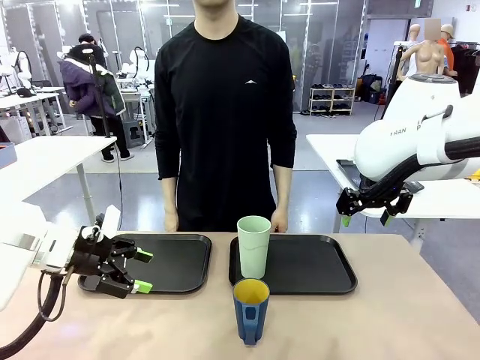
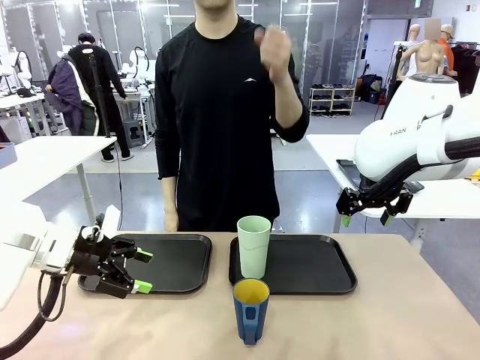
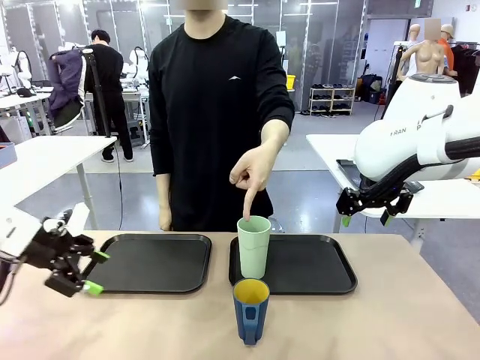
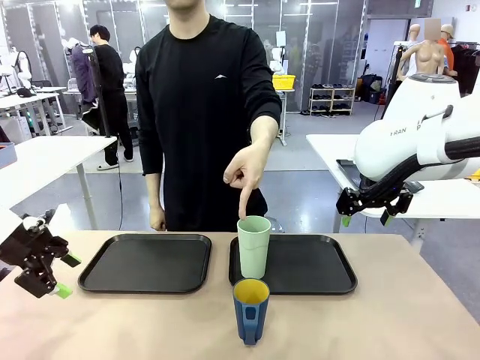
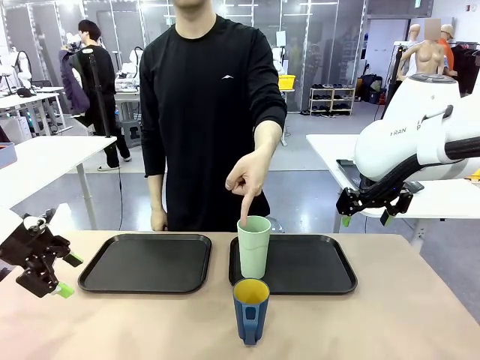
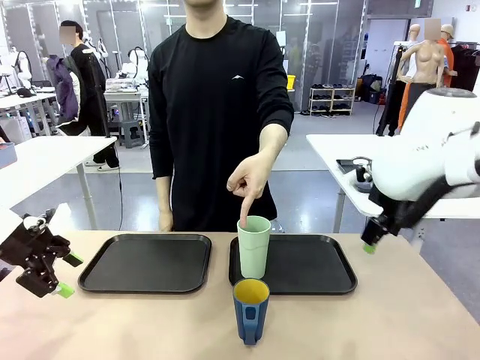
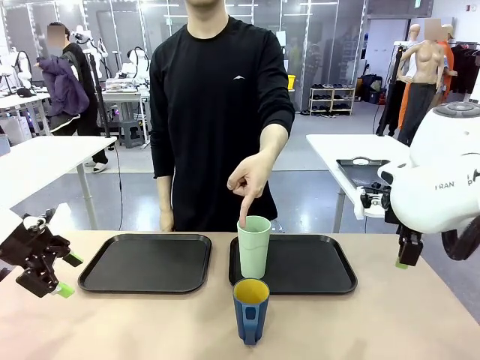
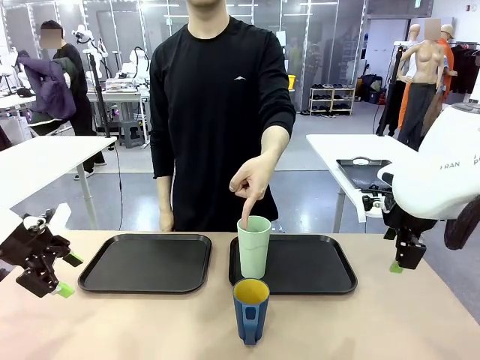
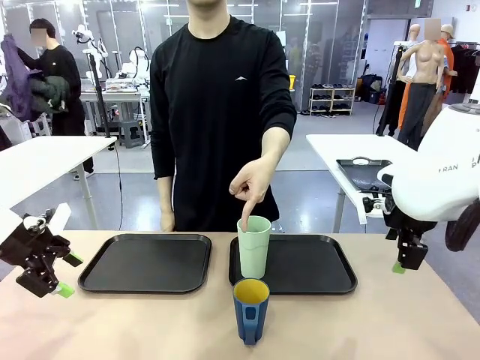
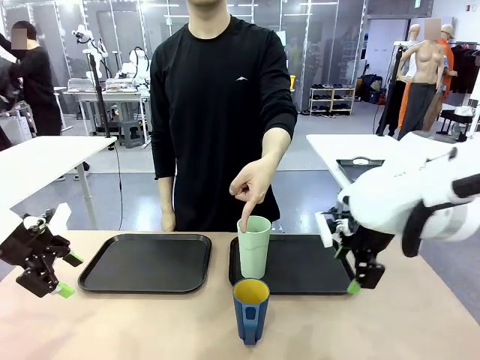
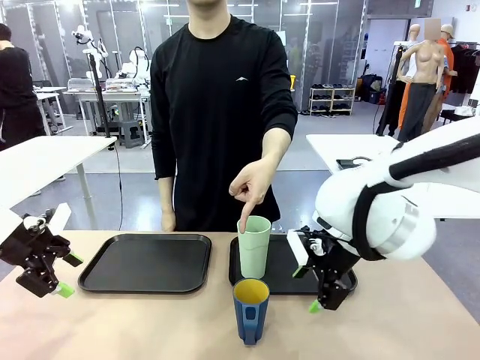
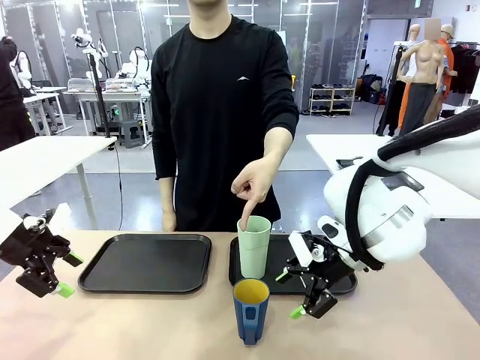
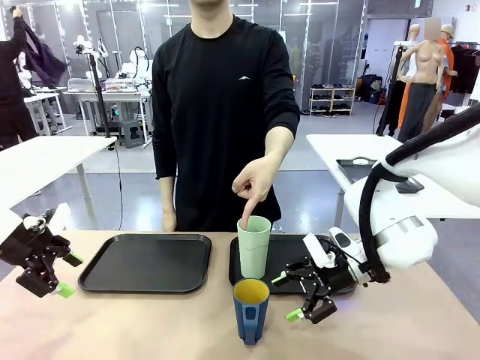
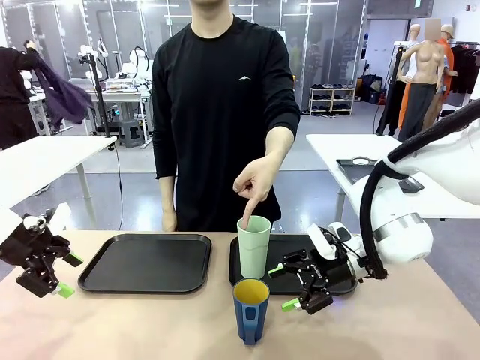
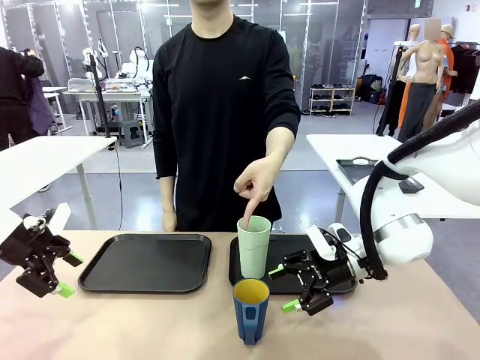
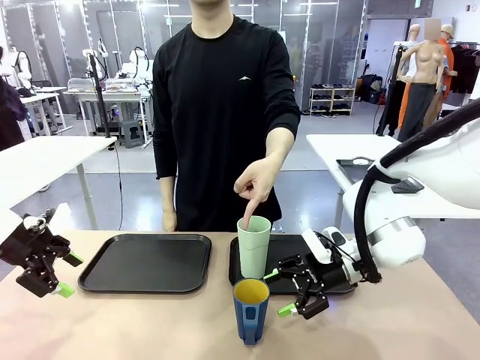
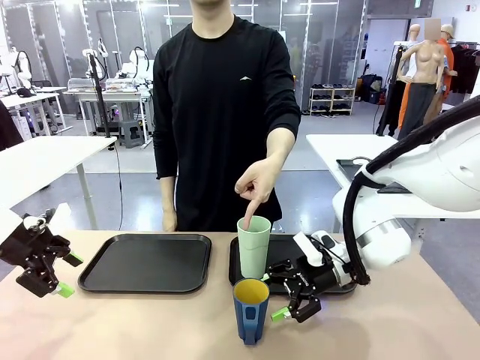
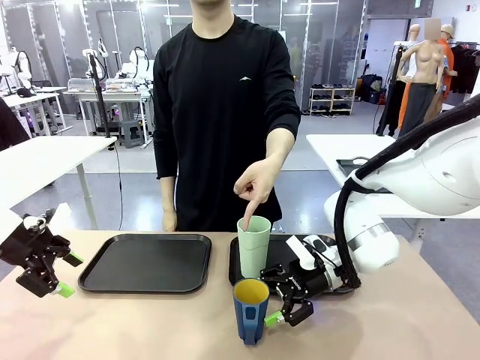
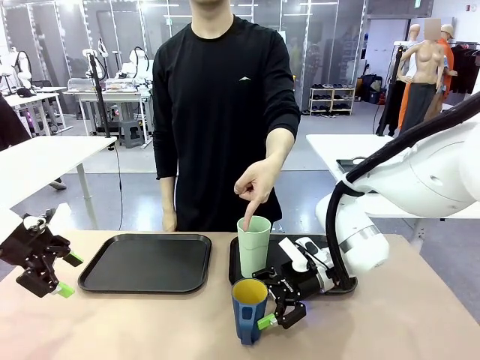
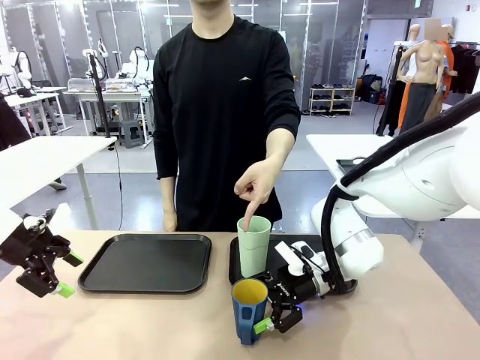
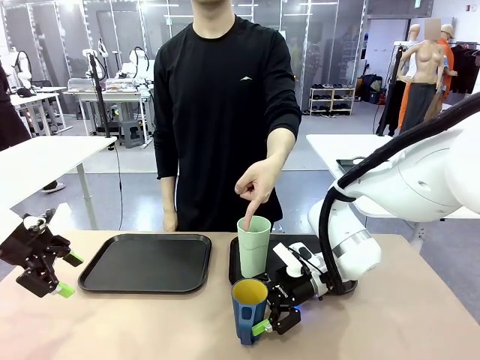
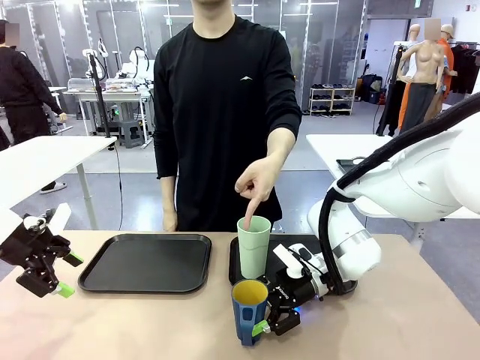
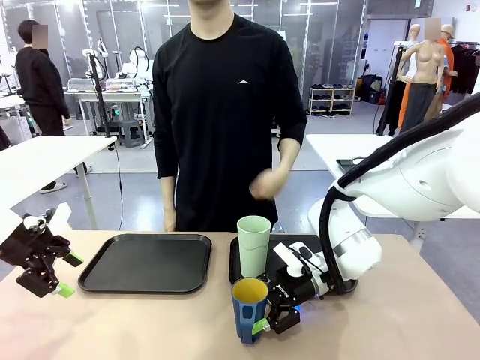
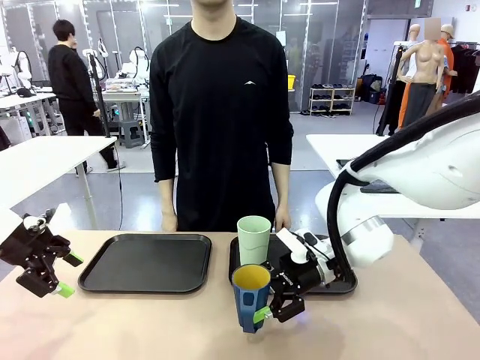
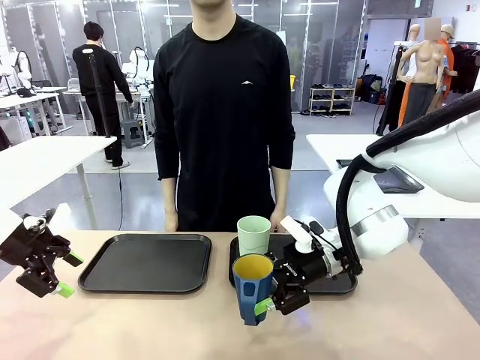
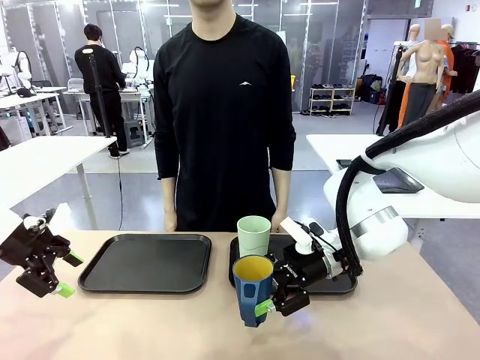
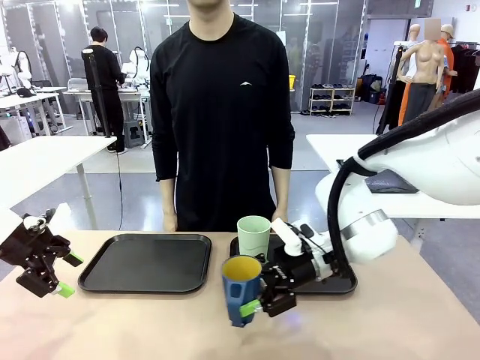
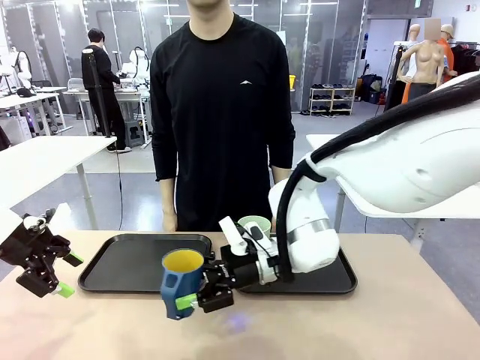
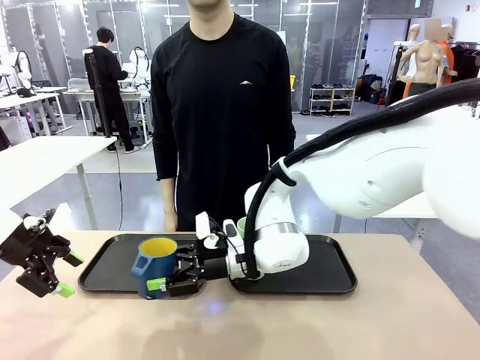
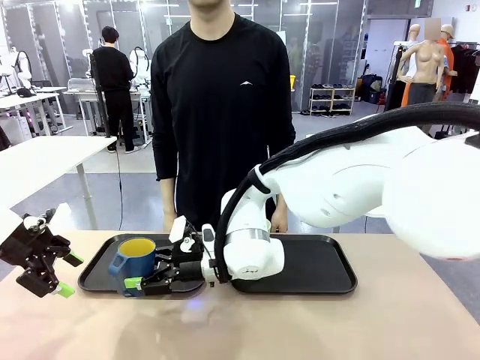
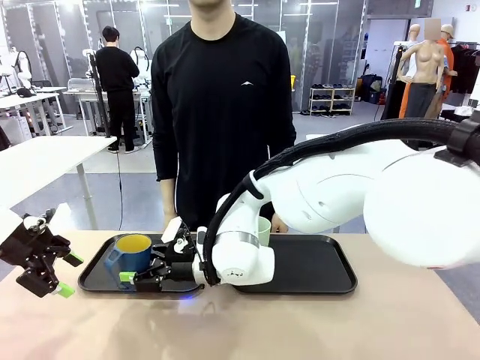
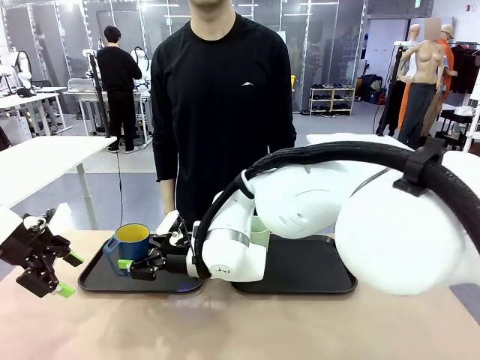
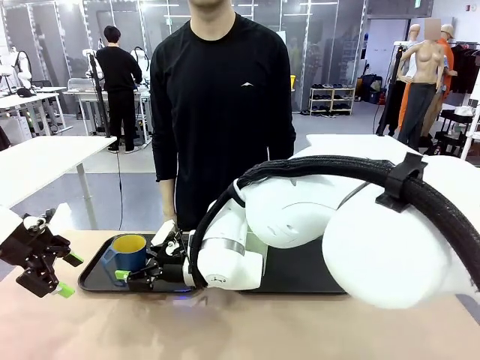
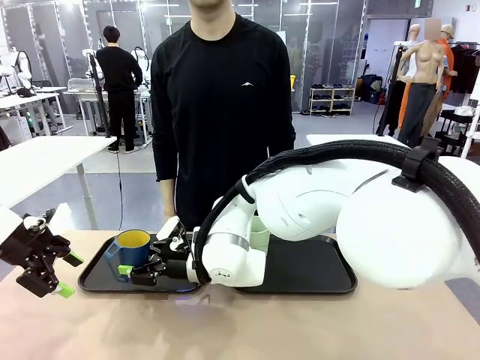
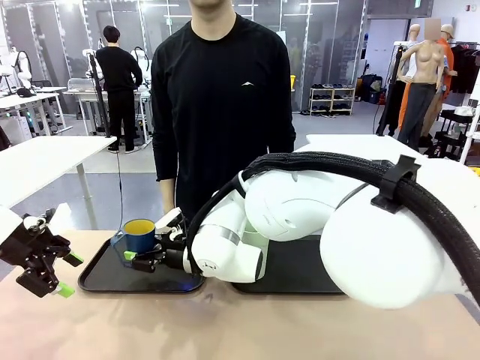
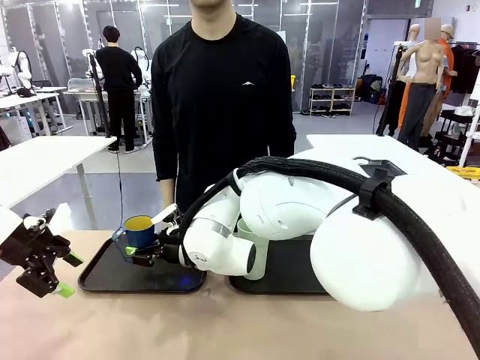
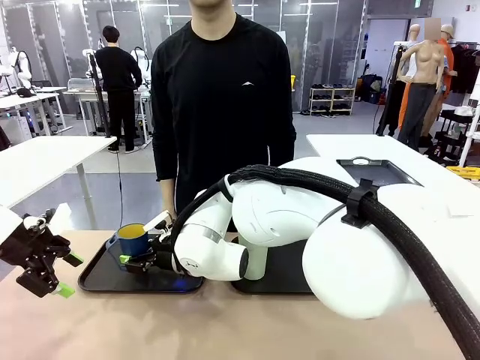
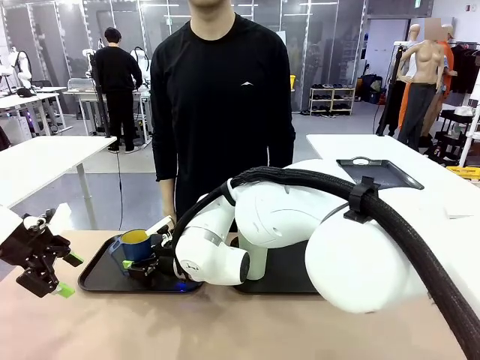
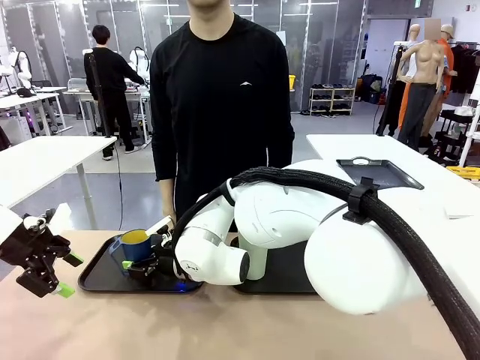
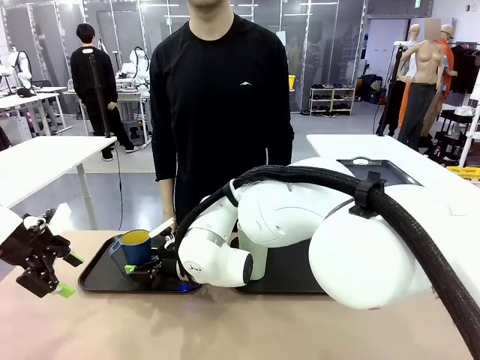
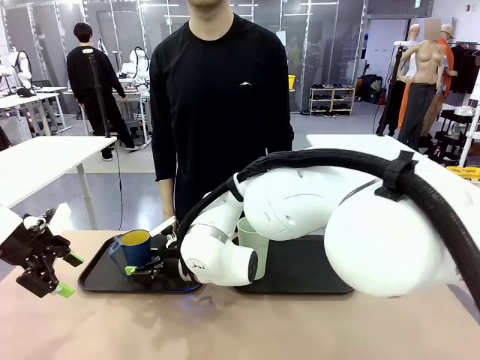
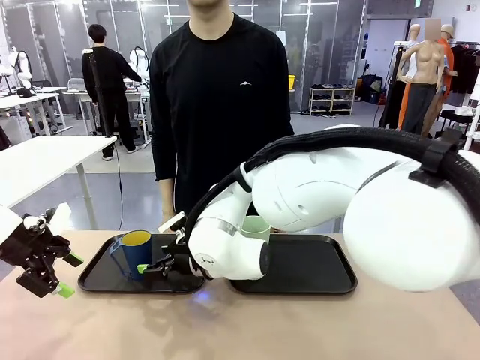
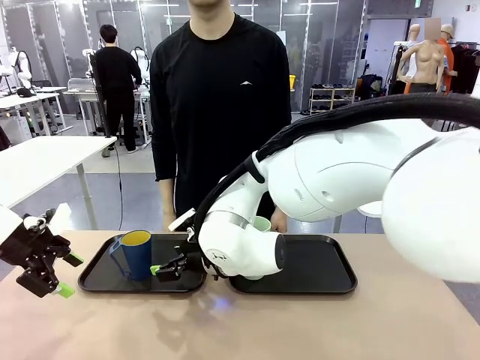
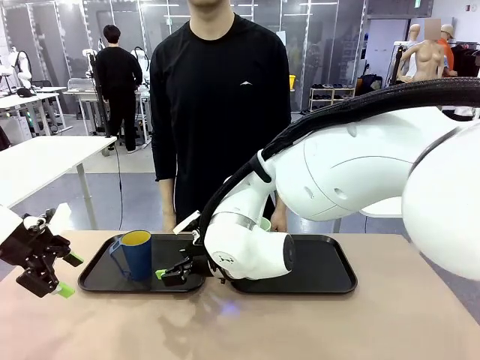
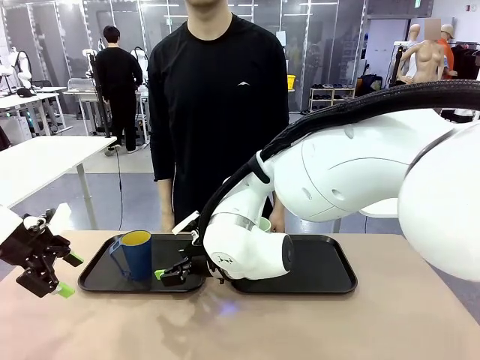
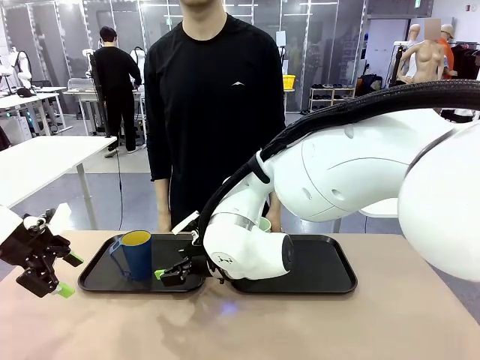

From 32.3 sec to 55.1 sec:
Task: Sort and store the cups by type.
Robot: Pick up the Handle plastic cup and place it into the empty Flat Tray.
Person: Points to the cup with a handle.

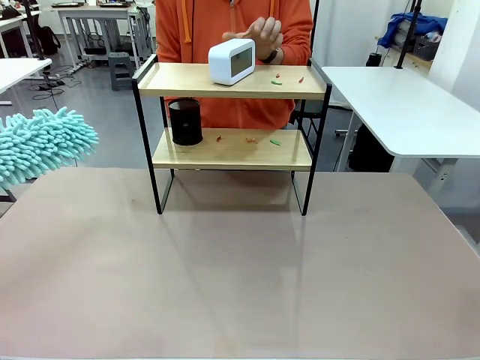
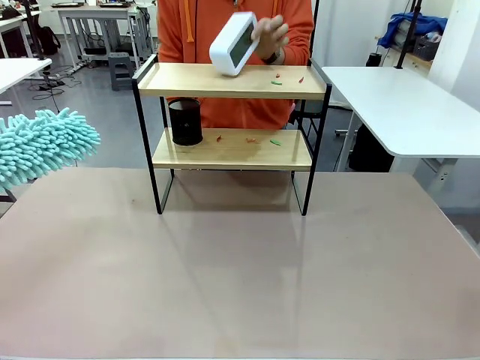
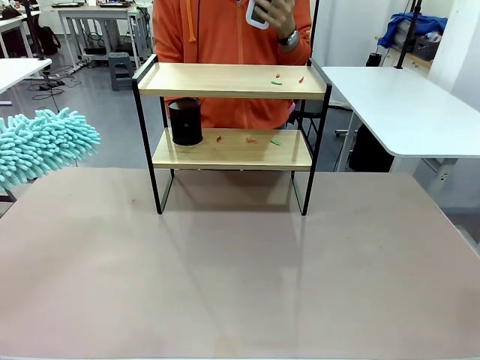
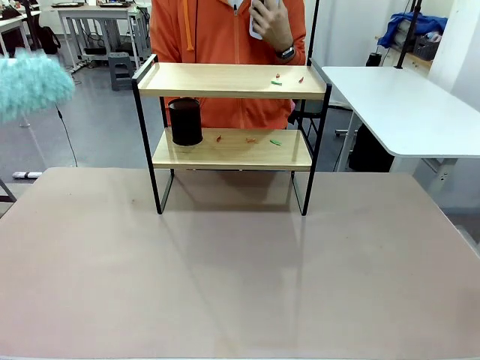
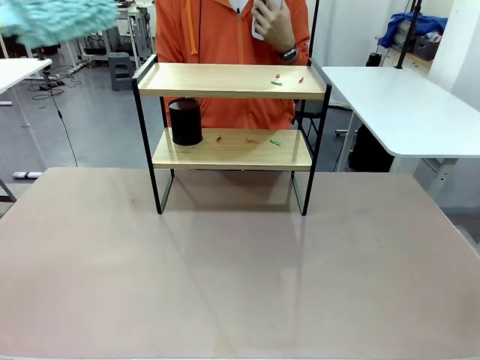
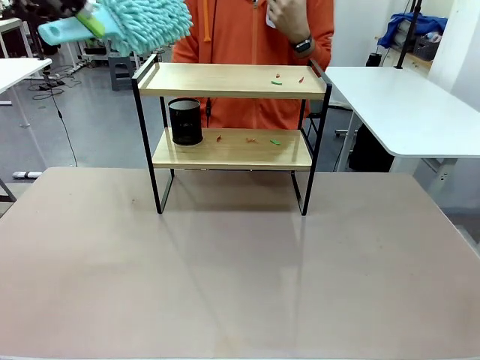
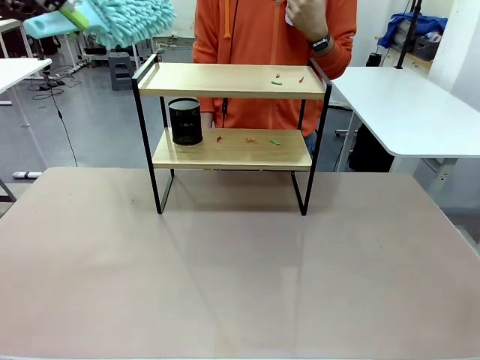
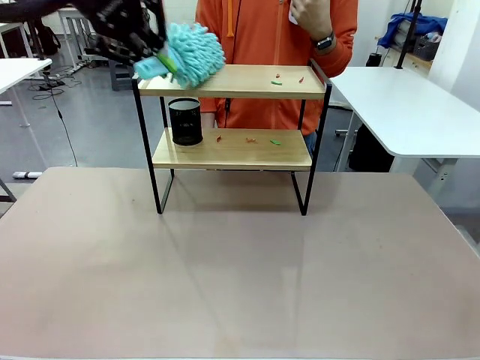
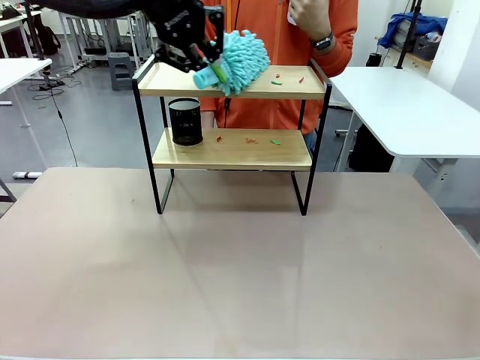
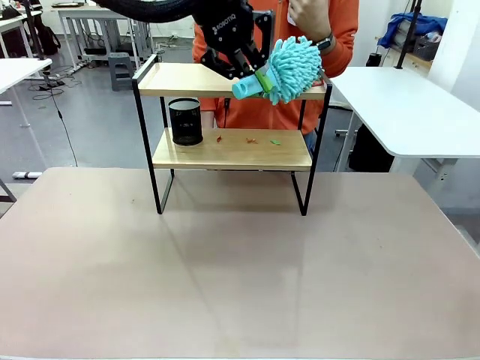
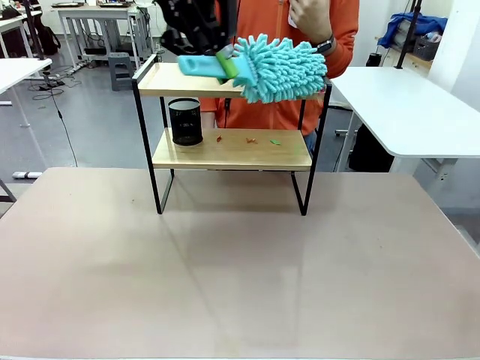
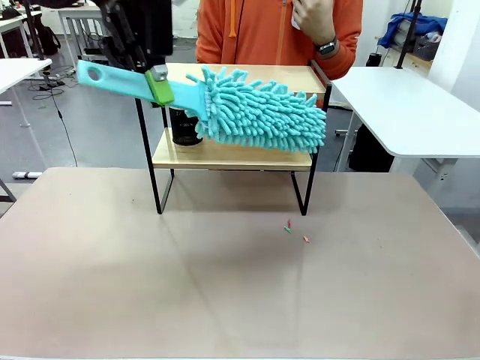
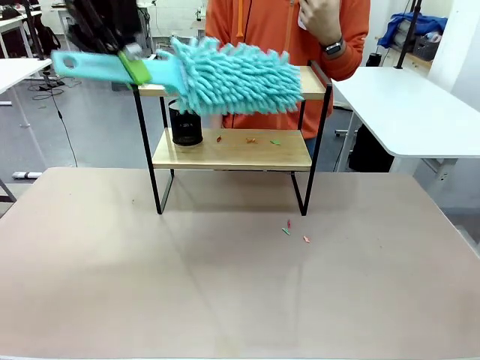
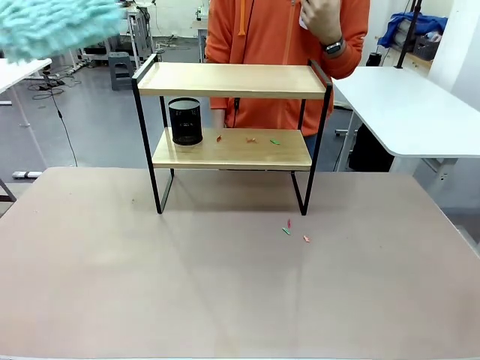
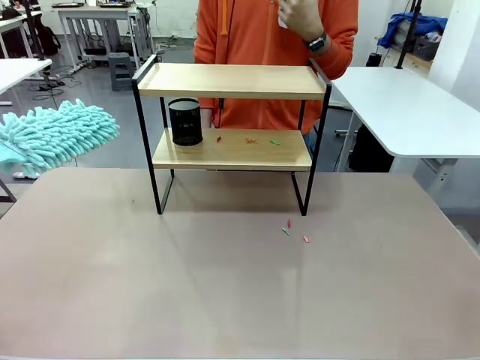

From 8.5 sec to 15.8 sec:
Task: Clean the shelf.
Robot: Clean the specific tier of the Shelf with the Duster once objects are removed.
Person: Lift the objects on a randomly selected tier of the Shelf. Once the robot finishes cleaning, lift the objects on the remaining tiers of the Shelf.
